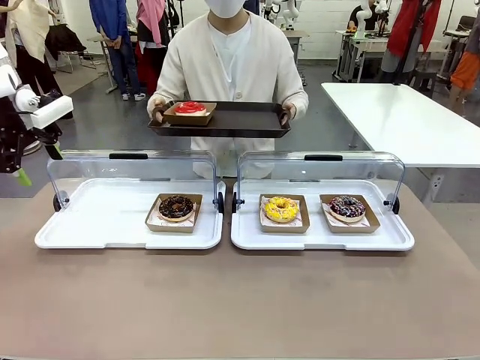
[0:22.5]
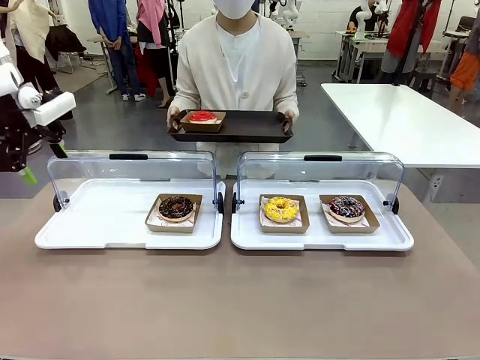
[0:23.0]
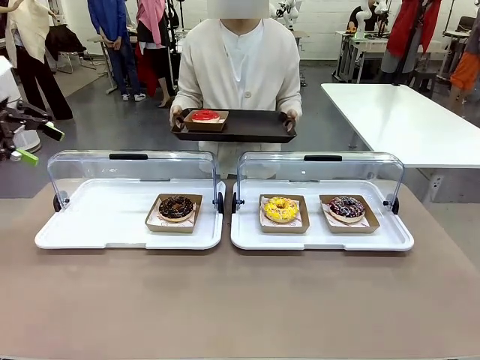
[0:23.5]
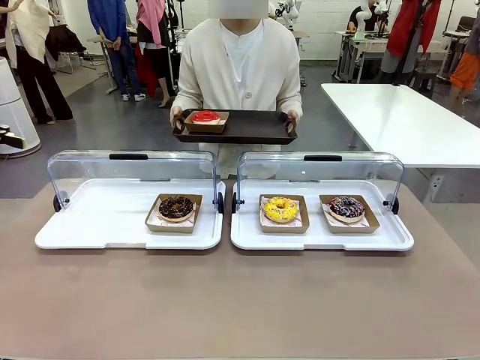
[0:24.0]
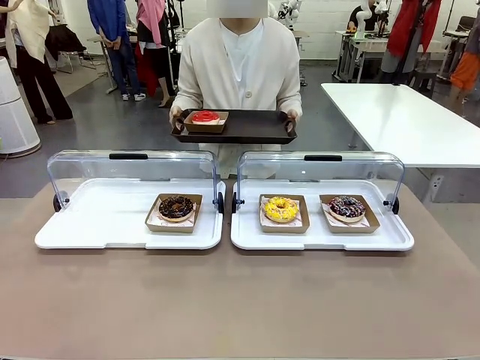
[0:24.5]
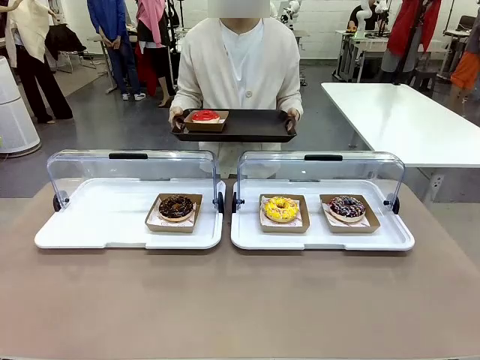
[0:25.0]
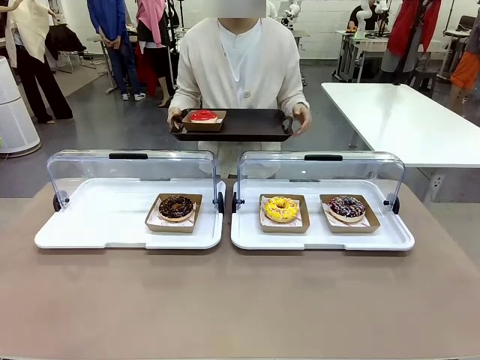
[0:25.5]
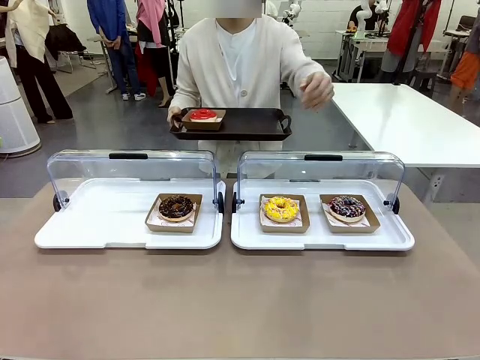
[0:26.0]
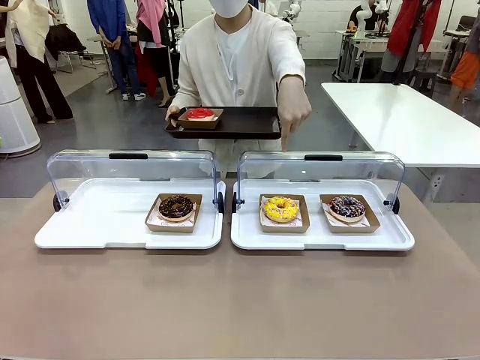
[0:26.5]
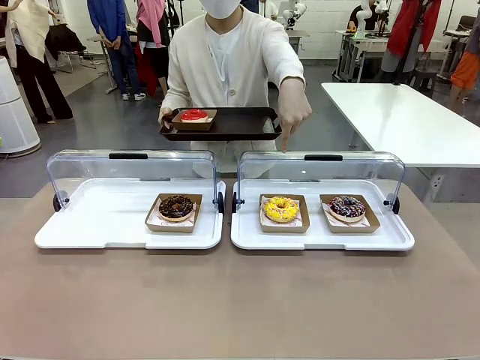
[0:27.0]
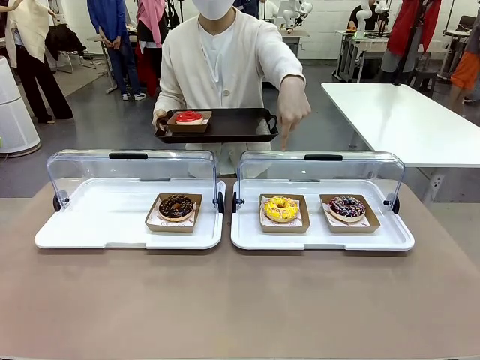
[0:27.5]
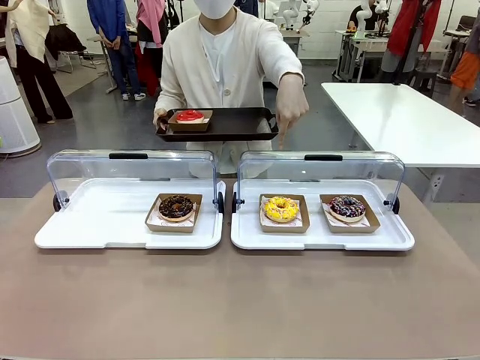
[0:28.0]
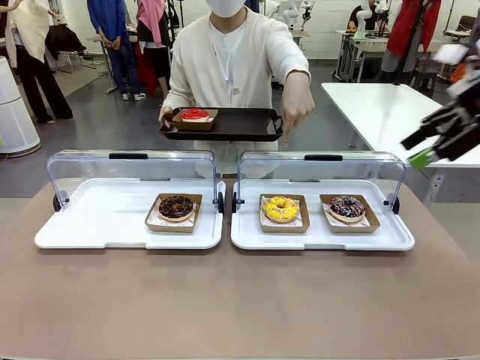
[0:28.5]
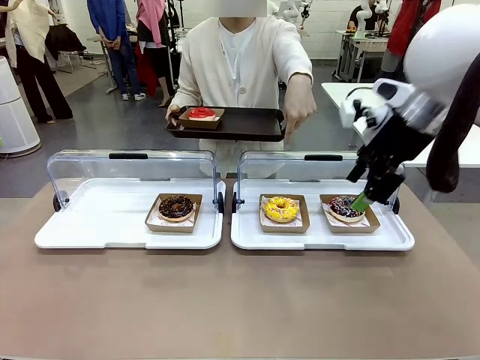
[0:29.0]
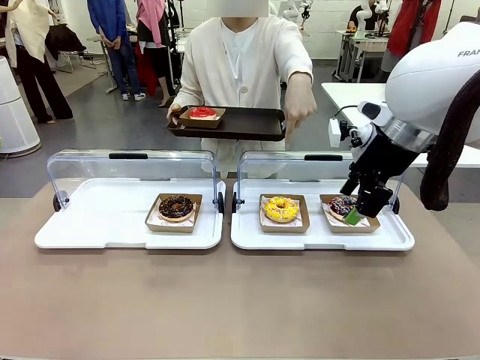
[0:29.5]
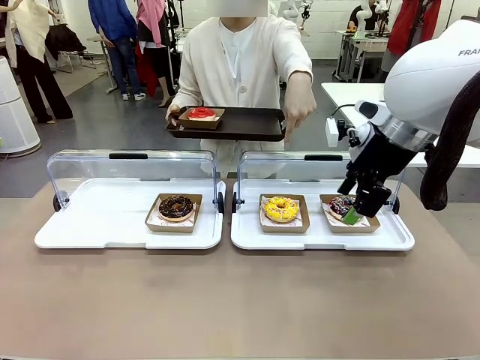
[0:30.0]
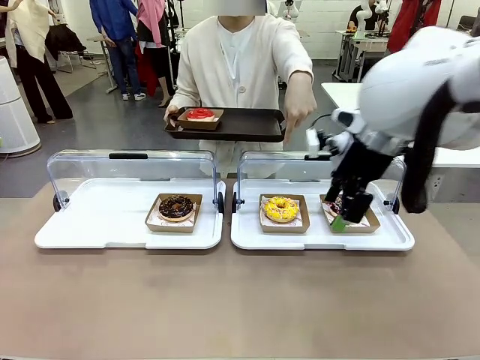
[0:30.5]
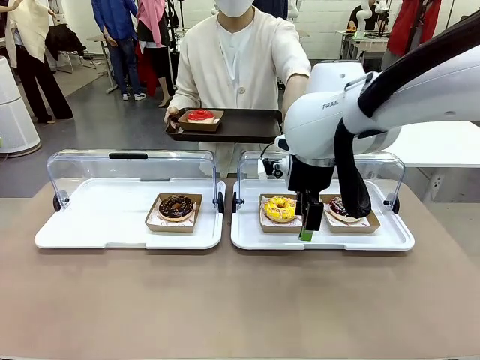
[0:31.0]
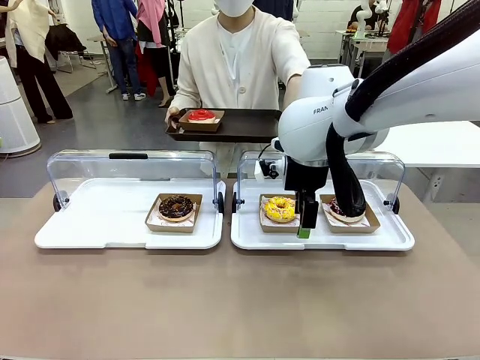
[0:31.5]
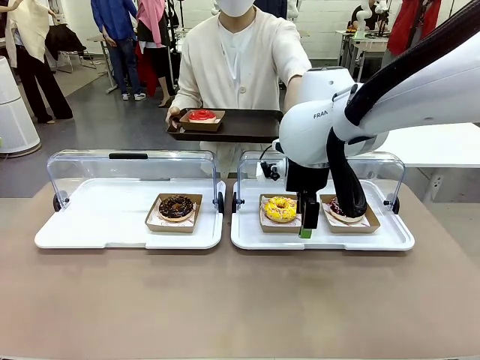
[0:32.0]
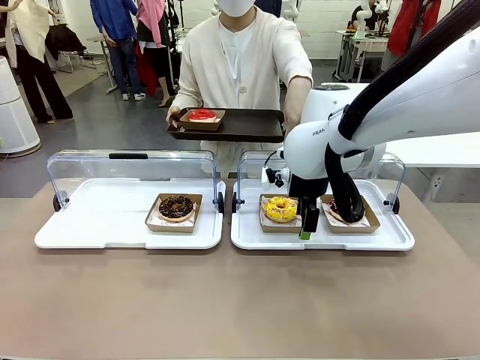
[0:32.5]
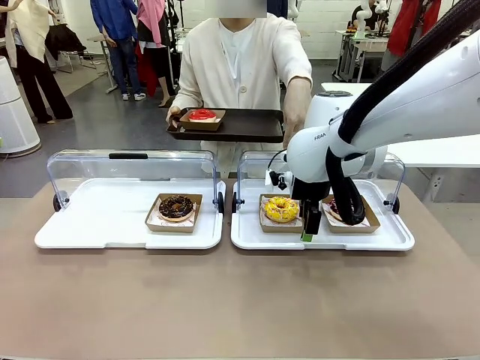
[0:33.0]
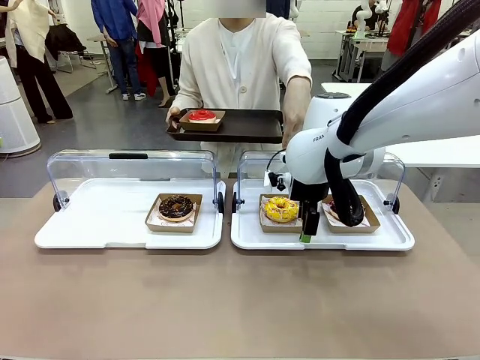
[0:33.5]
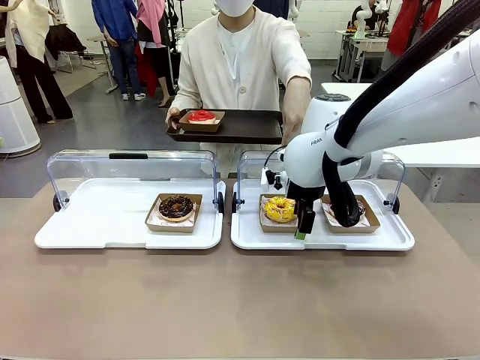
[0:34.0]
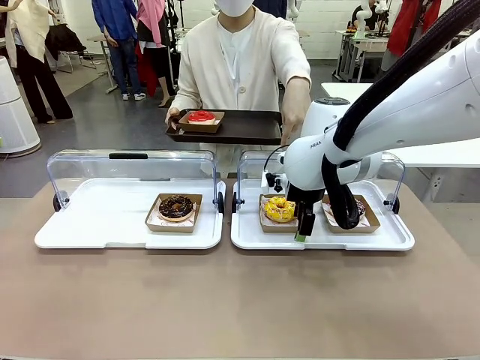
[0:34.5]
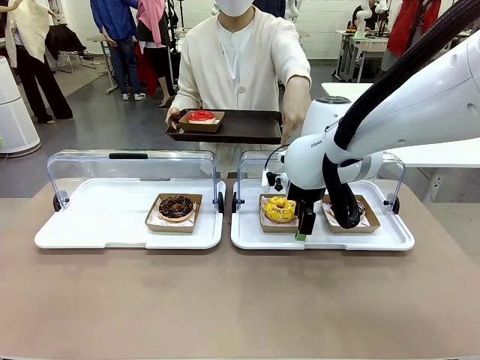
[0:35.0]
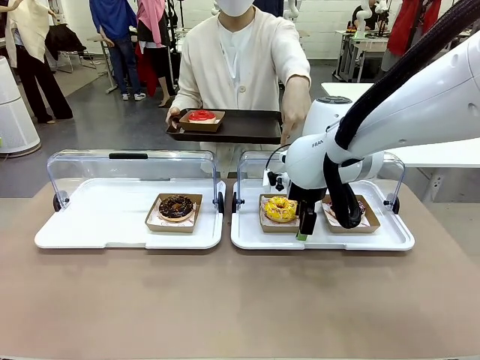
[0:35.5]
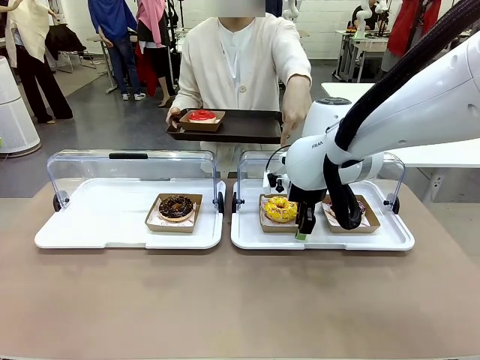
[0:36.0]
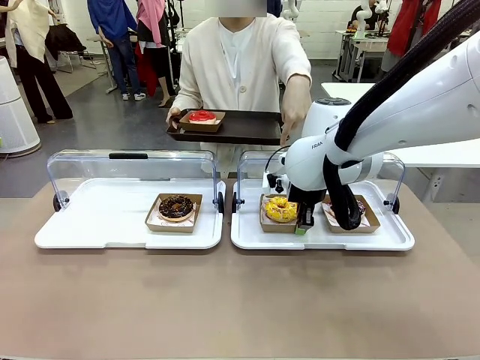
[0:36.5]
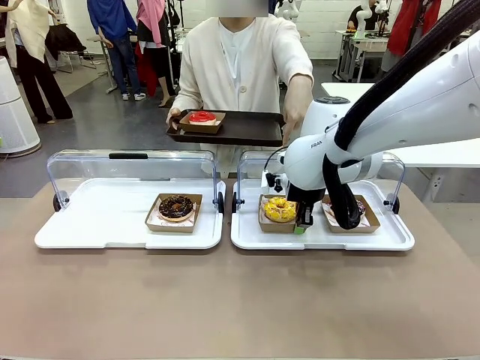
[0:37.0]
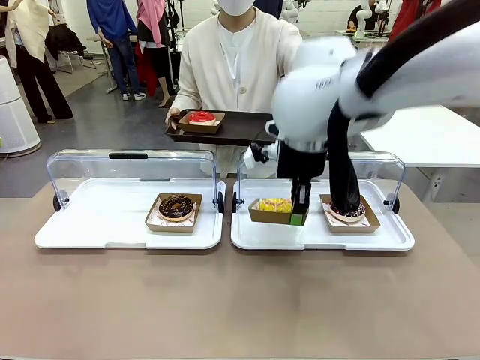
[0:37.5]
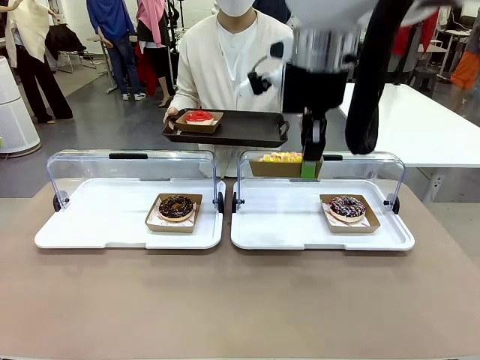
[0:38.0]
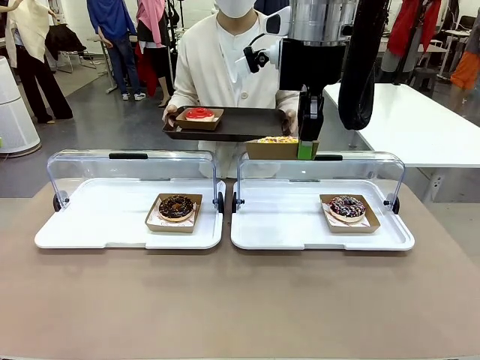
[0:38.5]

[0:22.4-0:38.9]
Task: Provide the desired donut to the person.
Robot: Pick up and lift the Paper togo box containing the Donut pointed at by the person.
Person: Point to one donut. Lift the tray onto the Roll-Top Bakery Case.

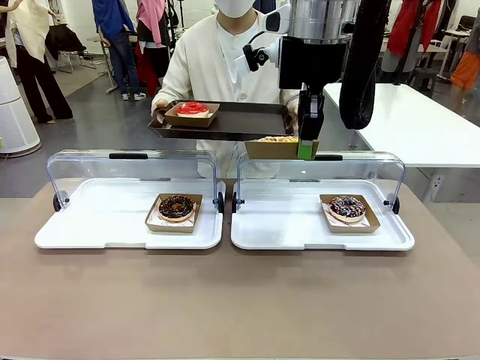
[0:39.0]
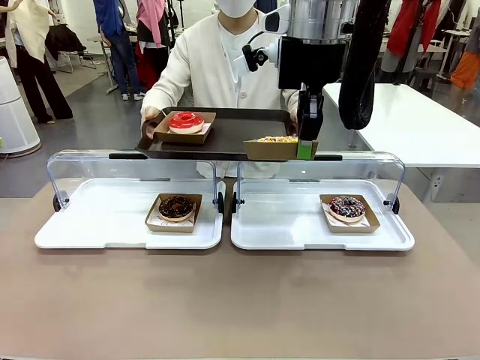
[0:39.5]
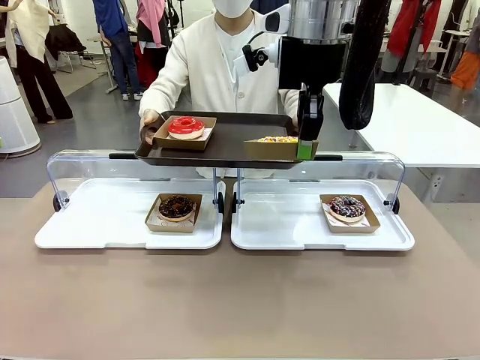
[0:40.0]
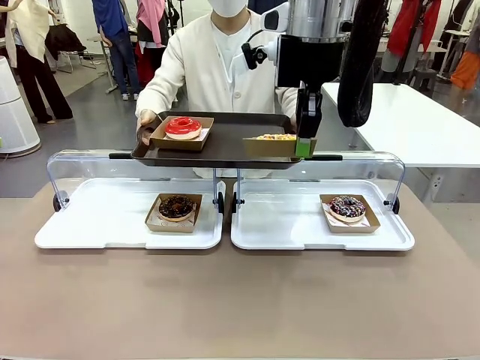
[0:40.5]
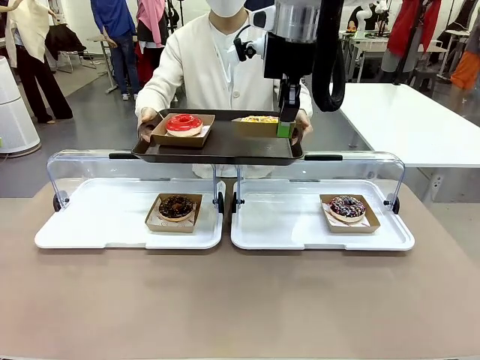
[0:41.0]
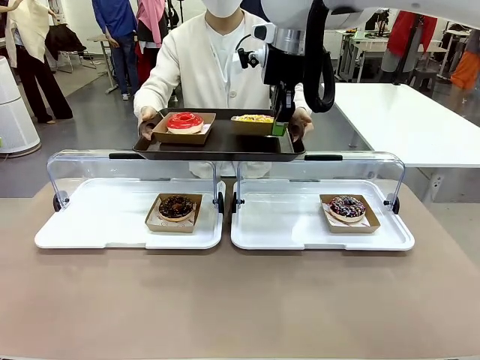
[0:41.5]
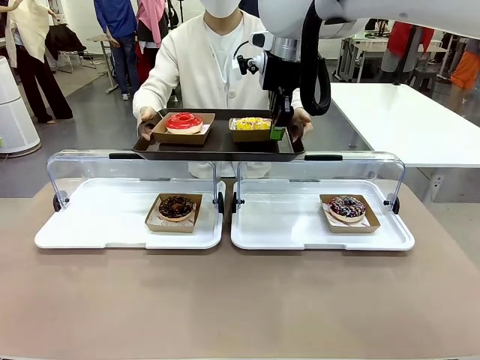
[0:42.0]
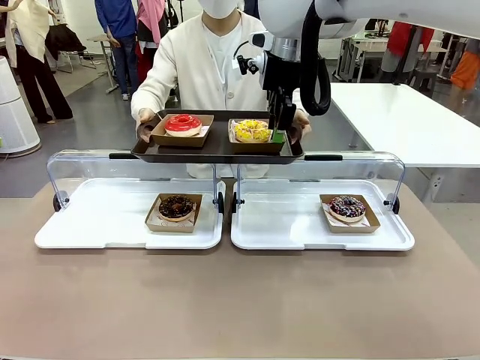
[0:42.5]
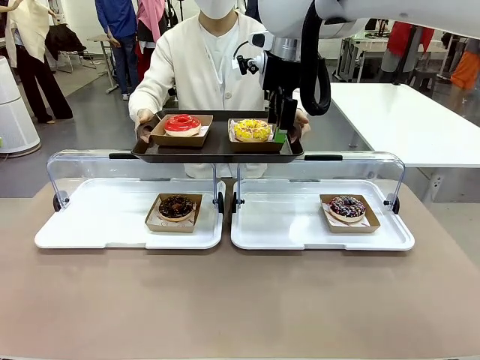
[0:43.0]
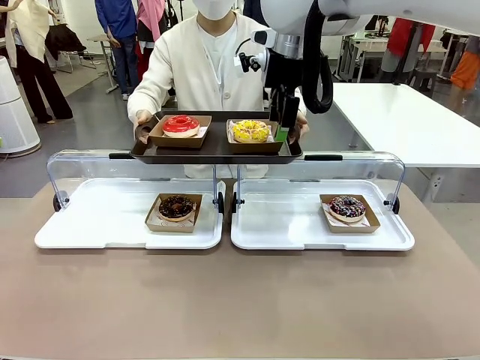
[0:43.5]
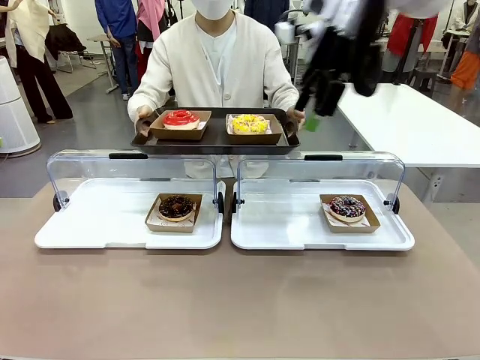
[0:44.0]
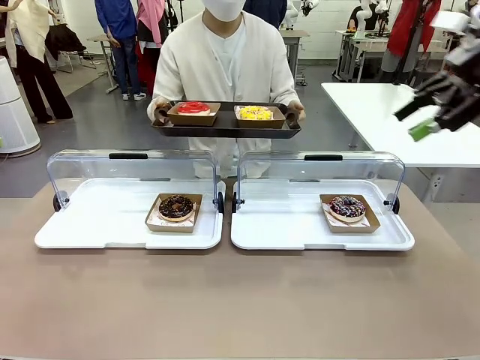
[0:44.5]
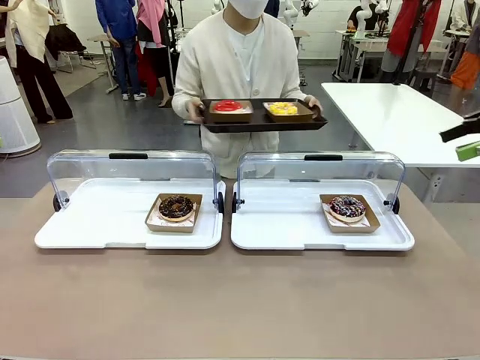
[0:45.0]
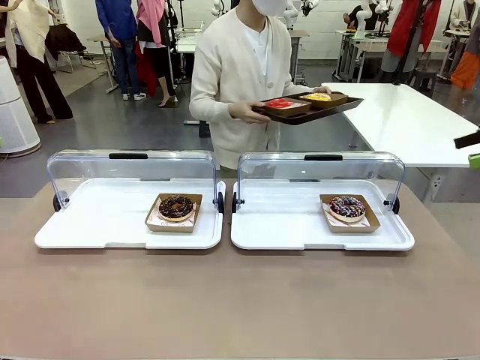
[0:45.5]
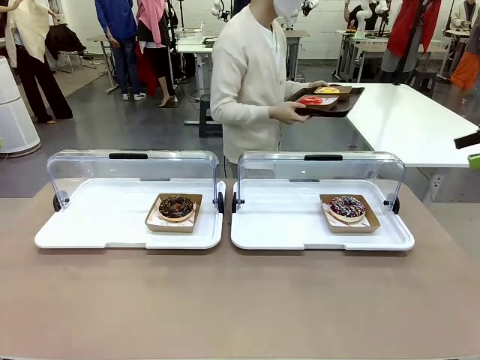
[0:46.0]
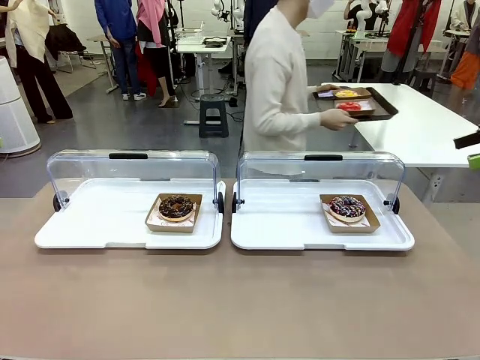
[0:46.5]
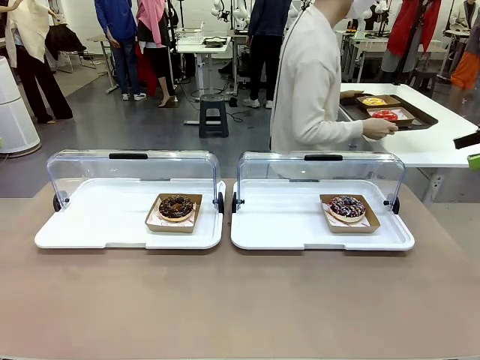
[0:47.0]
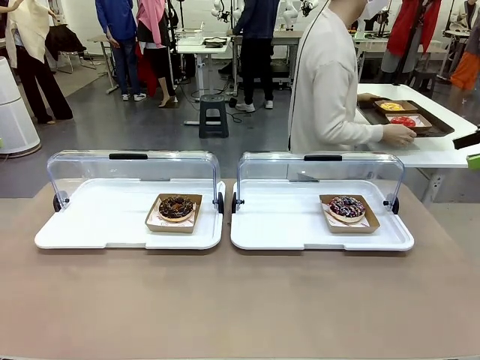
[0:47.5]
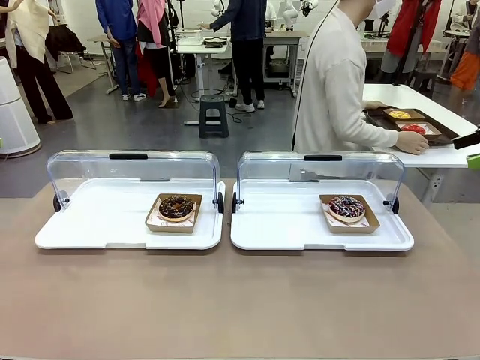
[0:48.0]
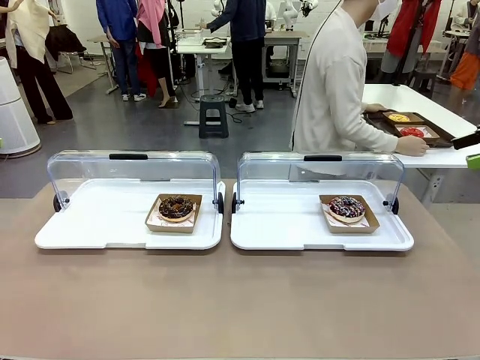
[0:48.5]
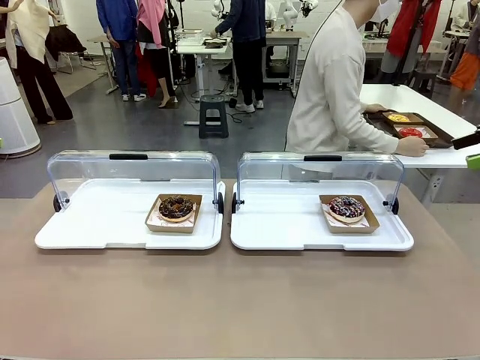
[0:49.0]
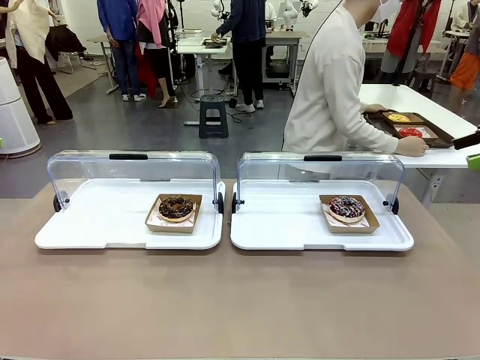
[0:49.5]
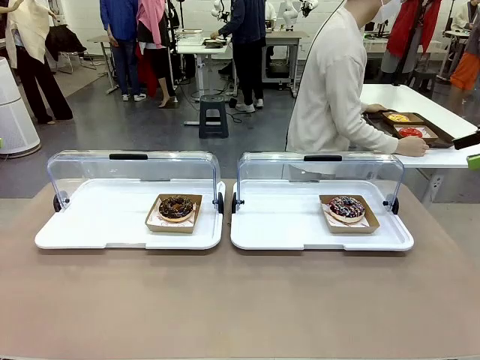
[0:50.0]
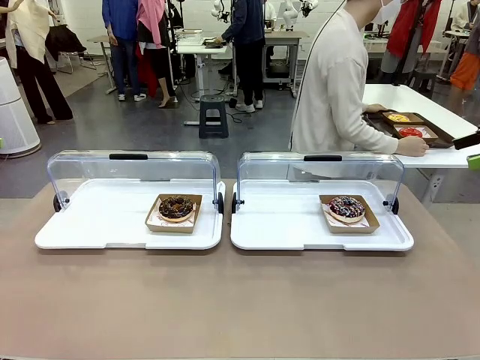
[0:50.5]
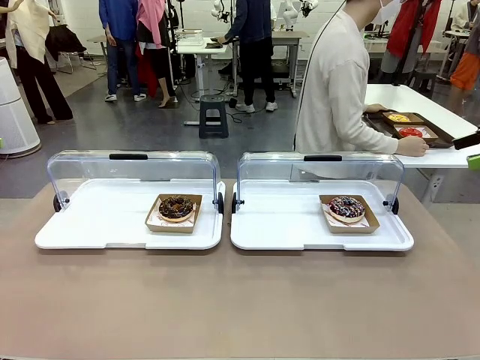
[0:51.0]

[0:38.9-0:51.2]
Robot: Place the picked Paper togo box onto the Handle tray extended by the person.
Person: Place the tray in the middle of the human table.
